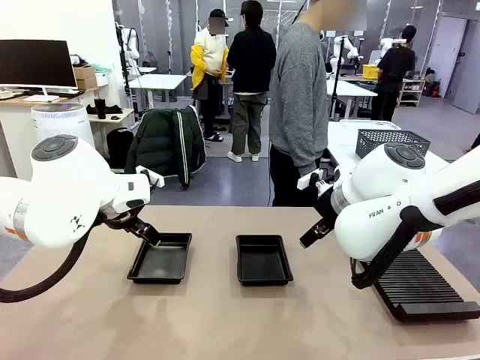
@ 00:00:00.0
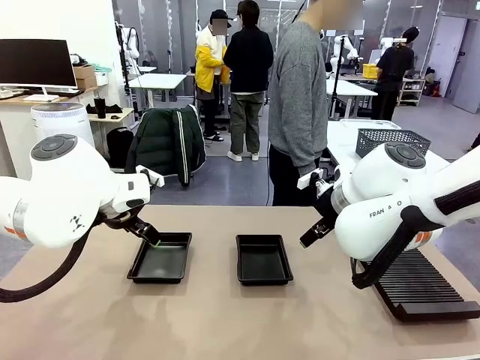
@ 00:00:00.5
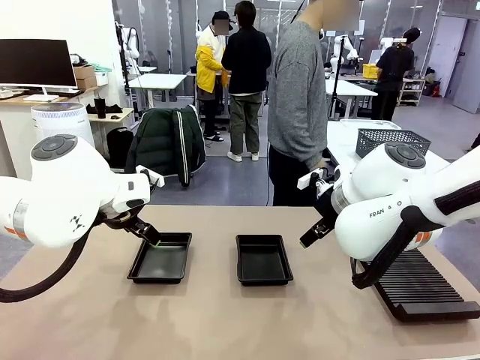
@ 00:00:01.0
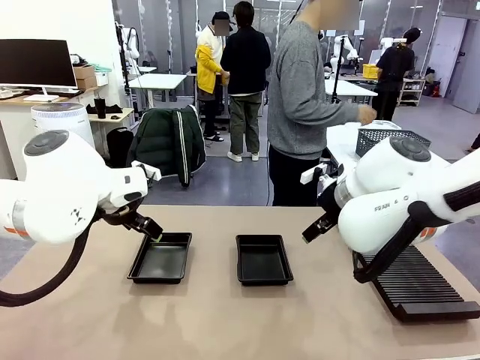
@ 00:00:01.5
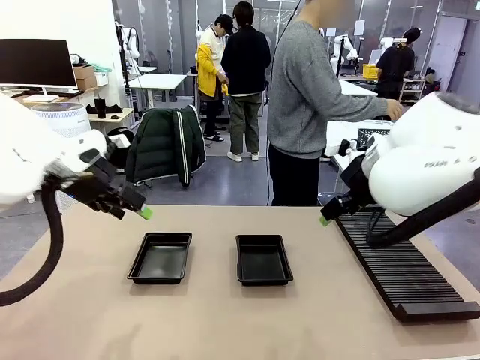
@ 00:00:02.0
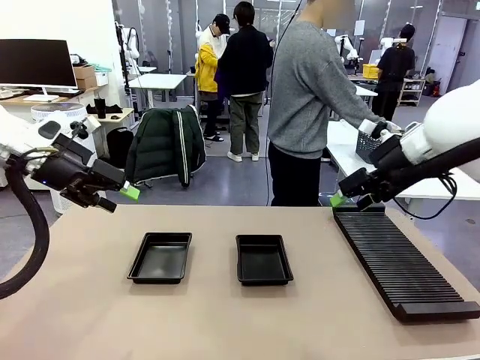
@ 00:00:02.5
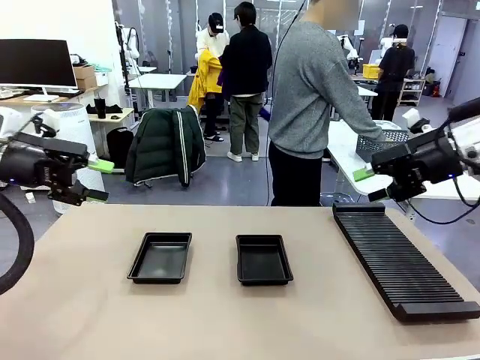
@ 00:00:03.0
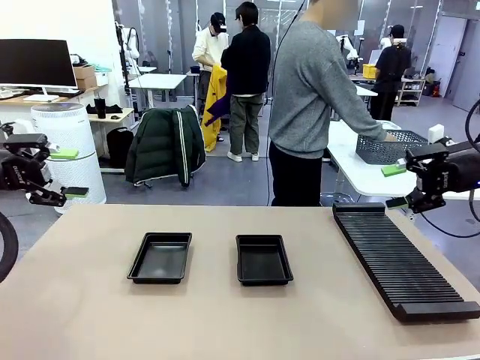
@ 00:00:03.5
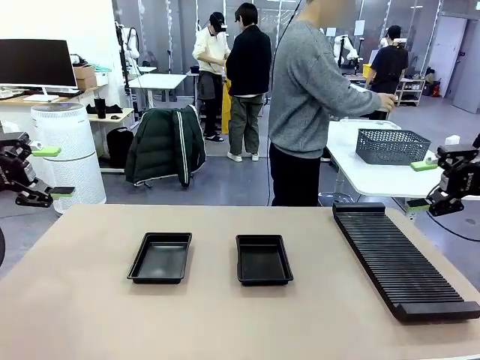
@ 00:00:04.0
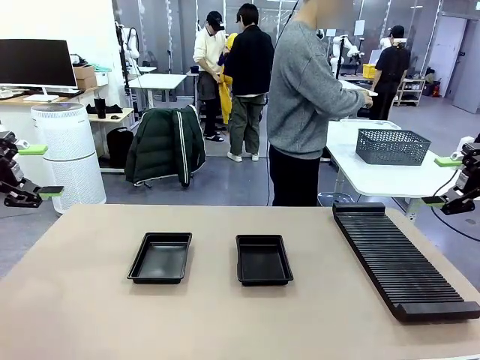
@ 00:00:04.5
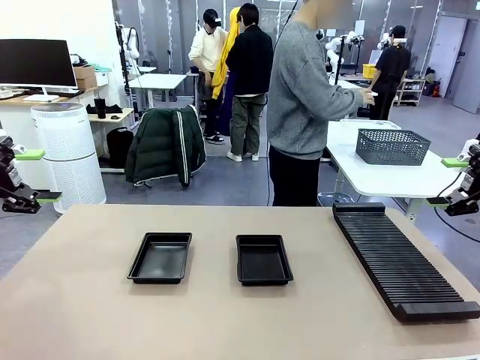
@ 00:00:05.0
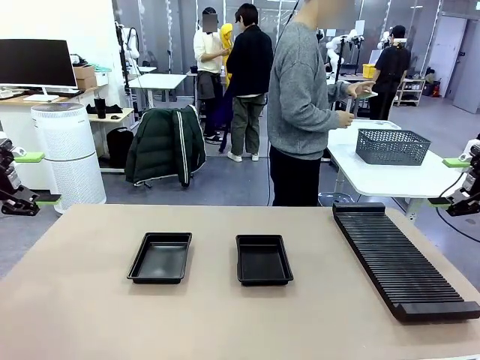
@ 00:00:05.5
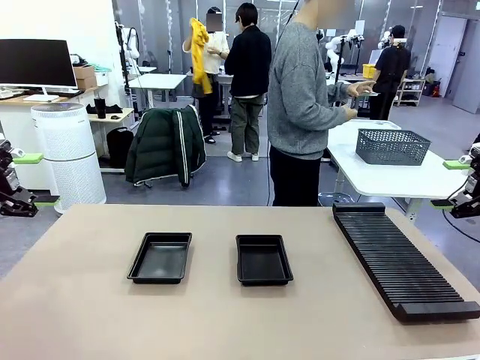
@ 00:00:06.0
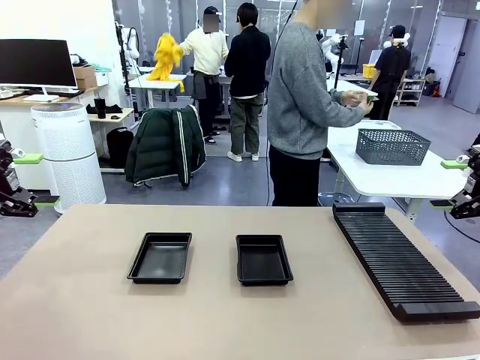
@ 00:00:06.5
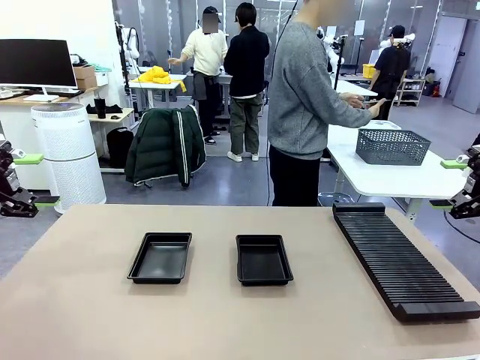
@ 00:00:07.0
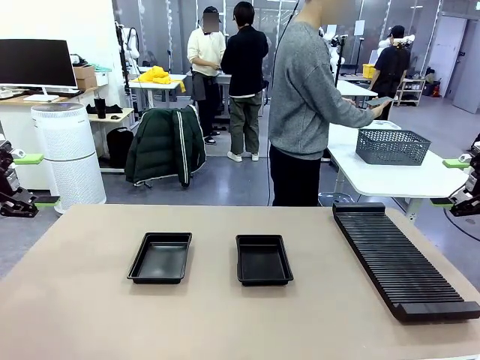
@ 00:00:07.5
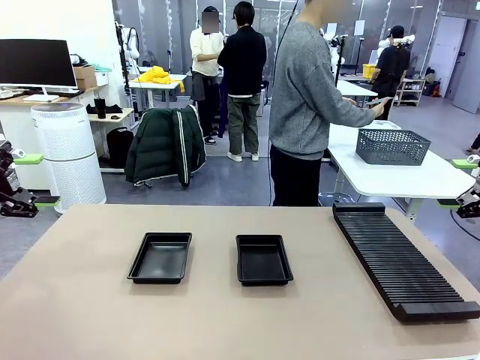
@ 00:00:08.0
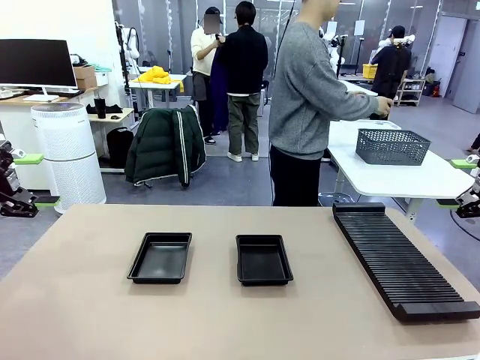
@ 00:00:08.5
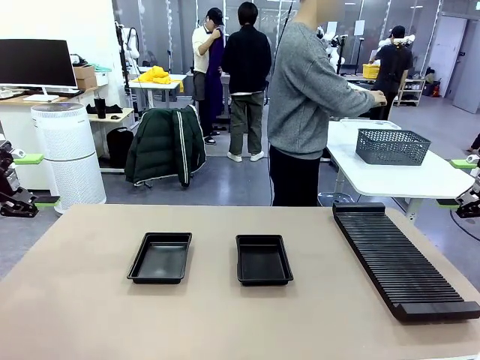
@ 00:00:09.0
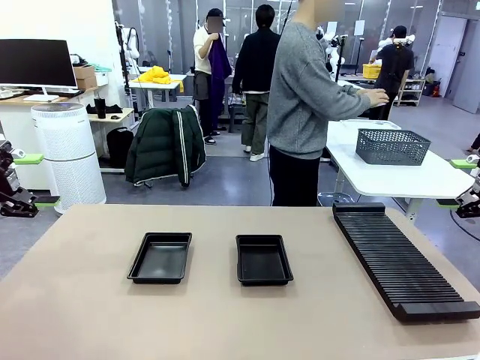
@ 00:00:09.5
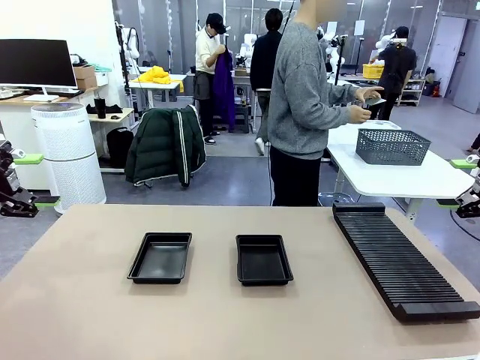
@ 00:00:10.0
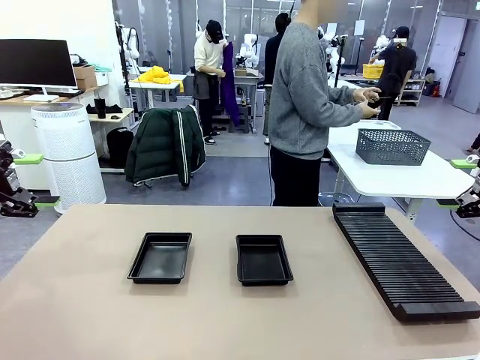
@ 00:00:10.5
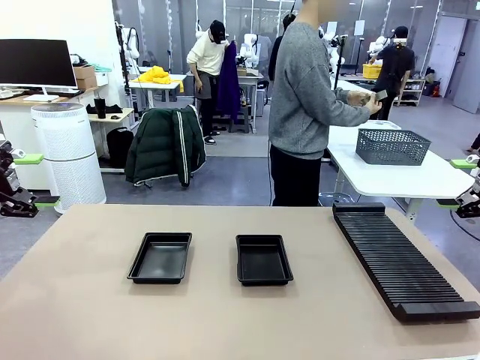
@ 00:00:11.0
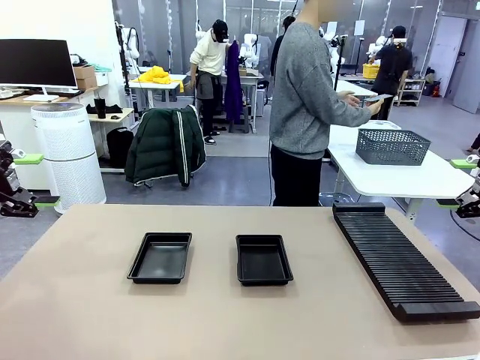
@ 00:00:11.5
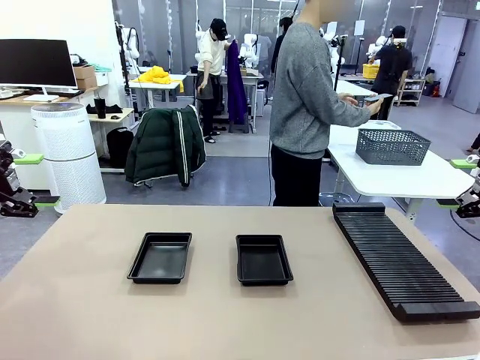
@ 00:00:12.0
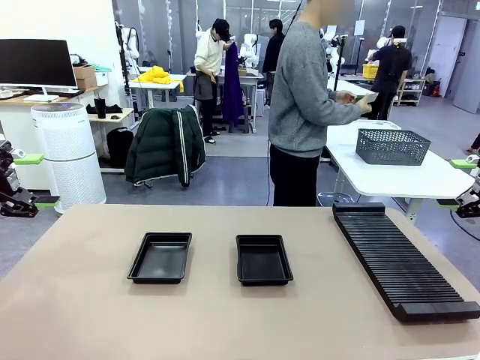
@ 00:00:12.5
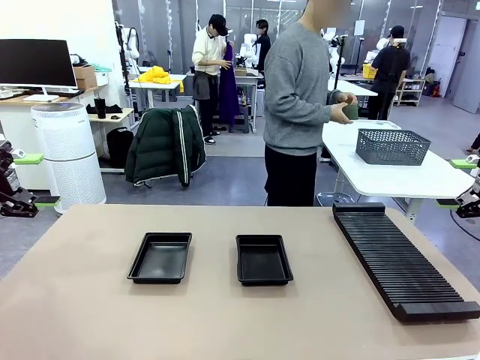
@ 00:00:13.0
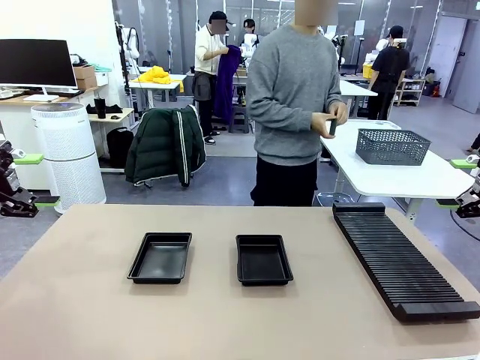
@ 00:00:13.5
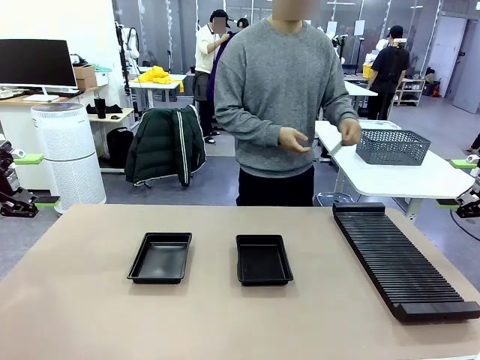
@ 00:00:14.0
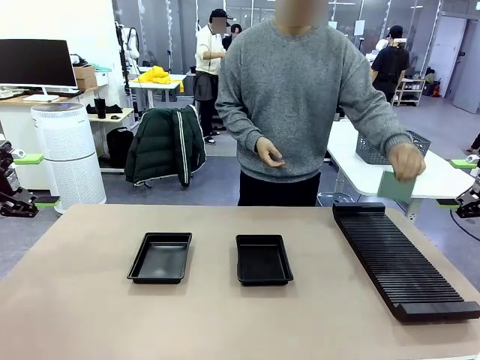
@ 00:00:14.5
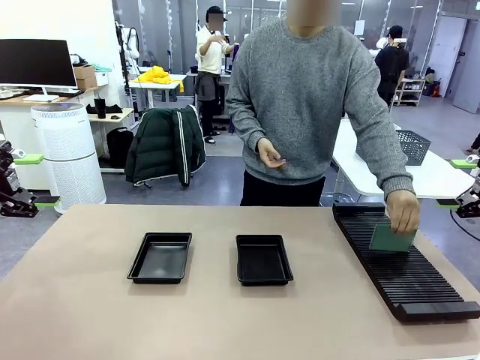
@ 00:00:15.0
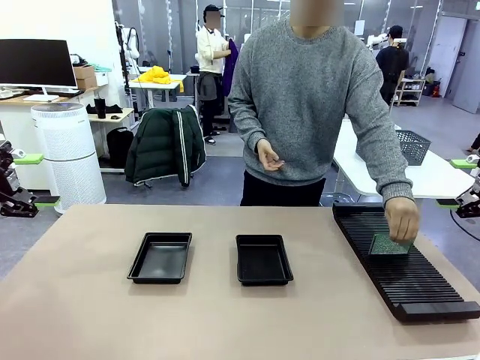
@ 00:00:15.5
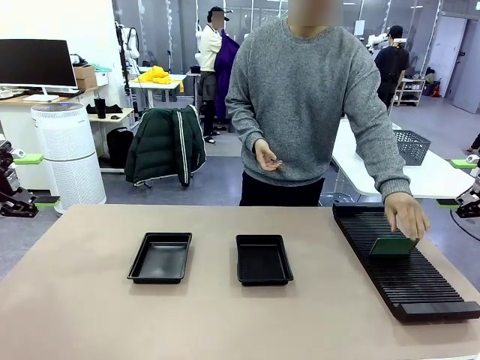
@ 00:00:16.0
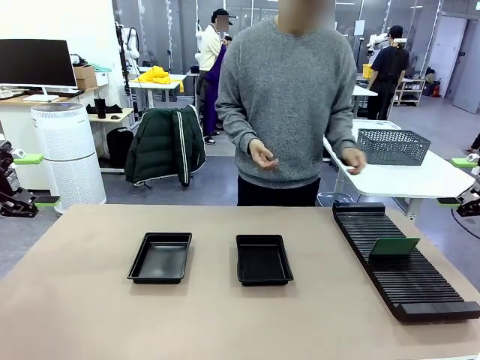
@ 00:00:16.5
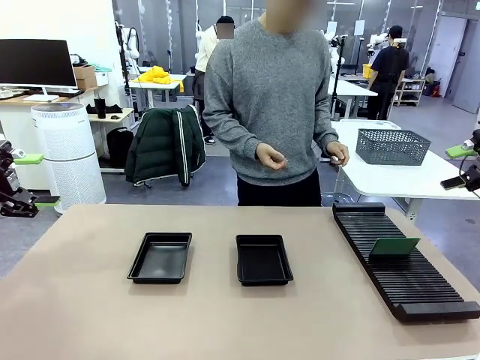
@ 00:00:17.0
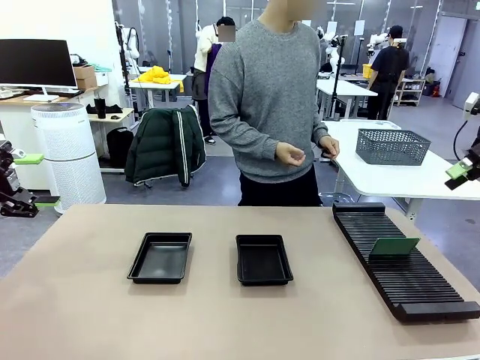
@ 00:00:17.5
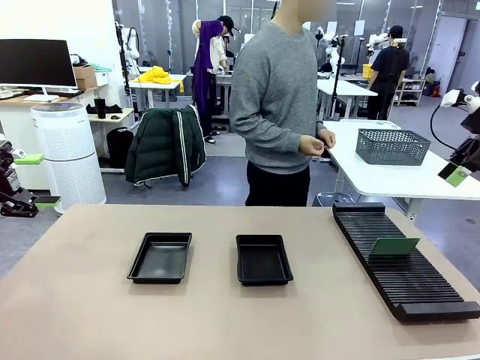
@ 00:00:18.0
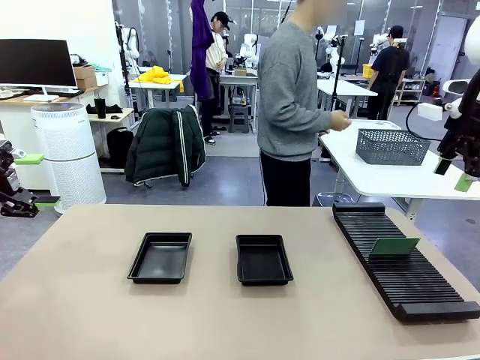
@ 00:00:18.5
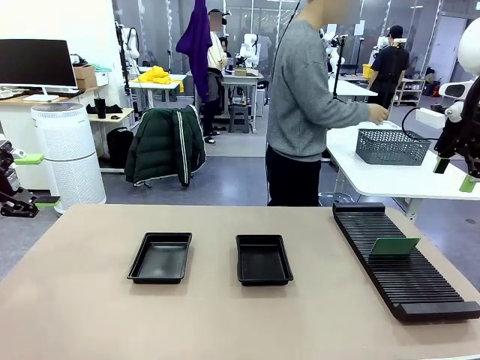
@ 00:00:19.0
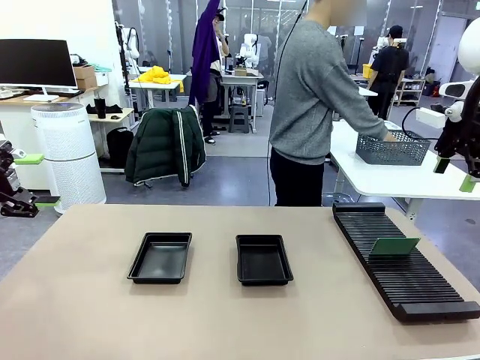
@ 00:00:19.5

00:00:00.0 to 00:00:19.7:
Task: Inspect and transfer BCBs to ESD trays.
Robot: Pick up the Blank PCB from the PCB Rack and place it in the left ESD tray.
